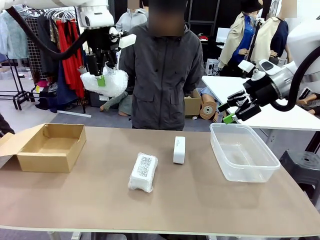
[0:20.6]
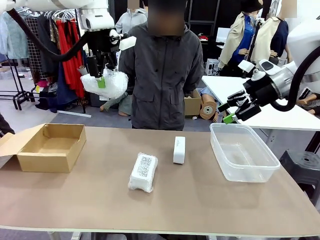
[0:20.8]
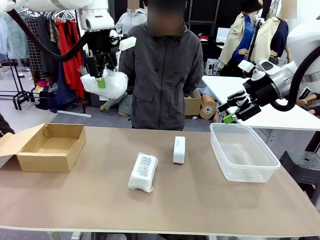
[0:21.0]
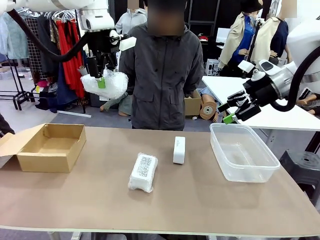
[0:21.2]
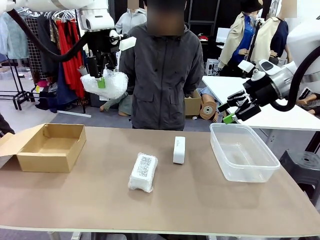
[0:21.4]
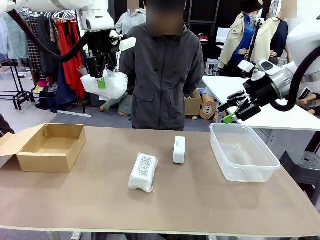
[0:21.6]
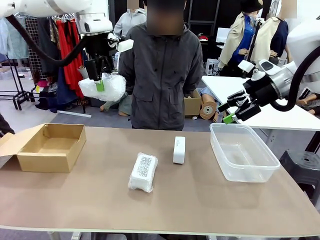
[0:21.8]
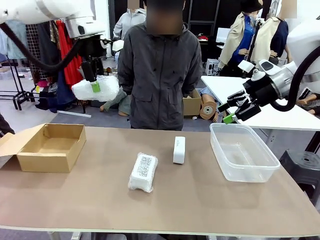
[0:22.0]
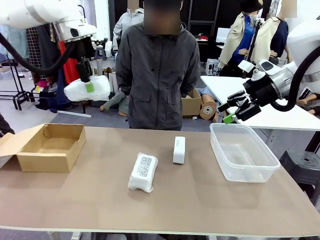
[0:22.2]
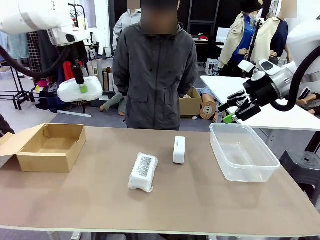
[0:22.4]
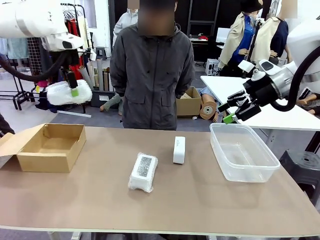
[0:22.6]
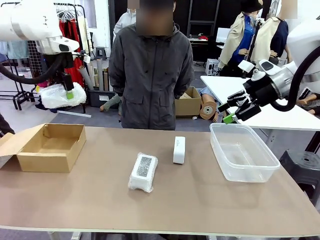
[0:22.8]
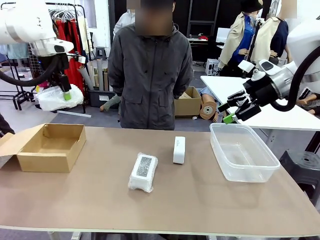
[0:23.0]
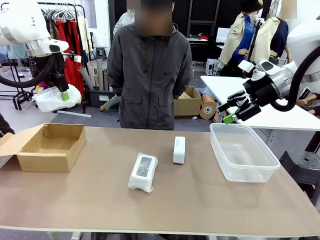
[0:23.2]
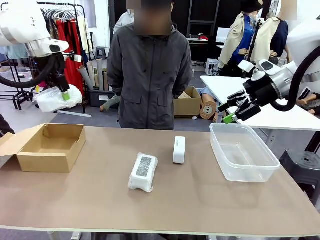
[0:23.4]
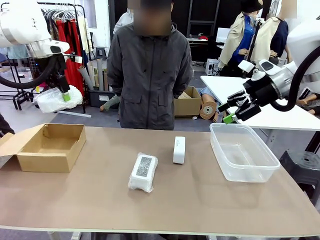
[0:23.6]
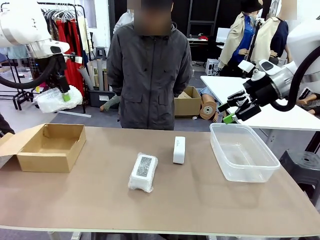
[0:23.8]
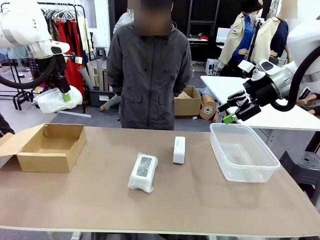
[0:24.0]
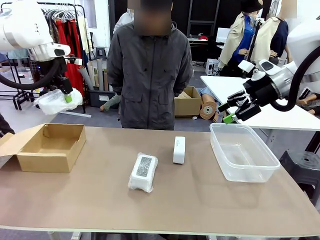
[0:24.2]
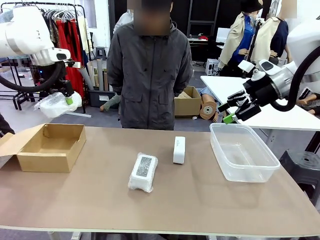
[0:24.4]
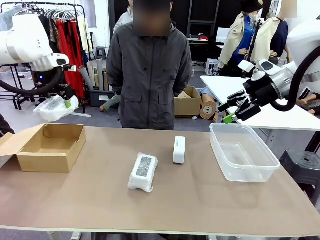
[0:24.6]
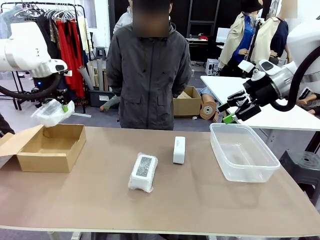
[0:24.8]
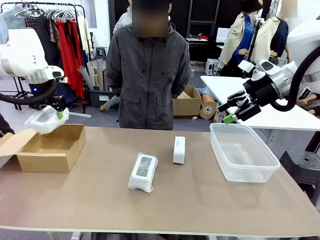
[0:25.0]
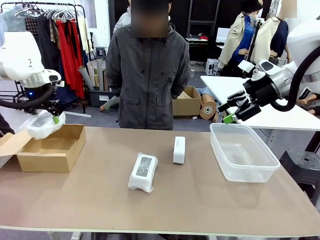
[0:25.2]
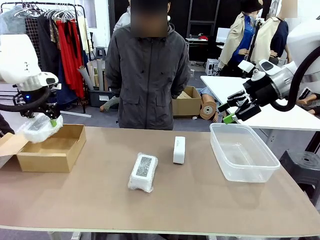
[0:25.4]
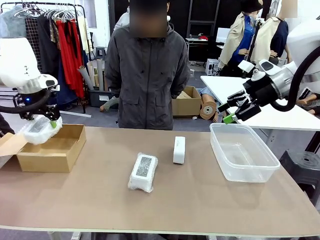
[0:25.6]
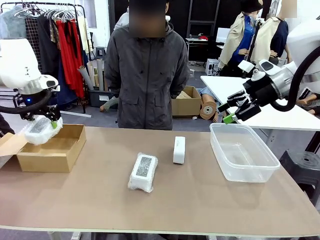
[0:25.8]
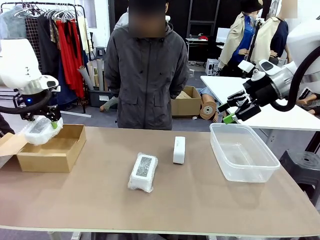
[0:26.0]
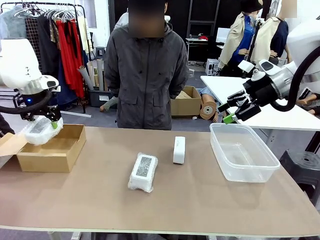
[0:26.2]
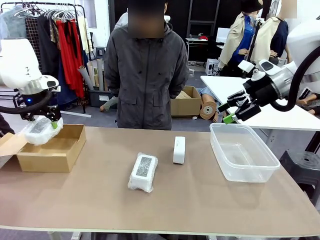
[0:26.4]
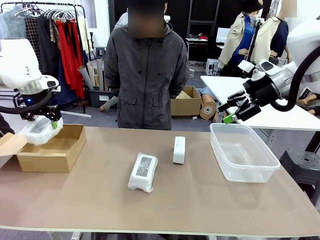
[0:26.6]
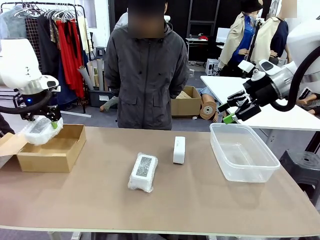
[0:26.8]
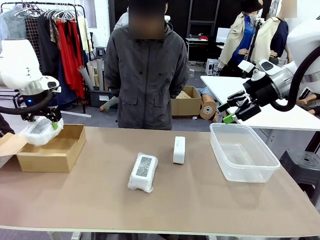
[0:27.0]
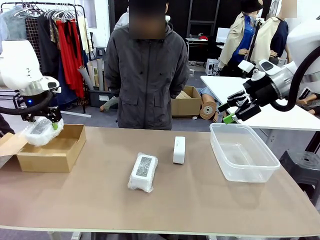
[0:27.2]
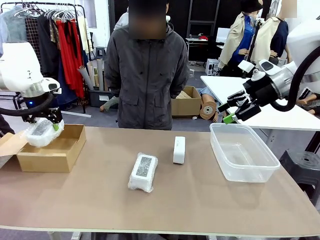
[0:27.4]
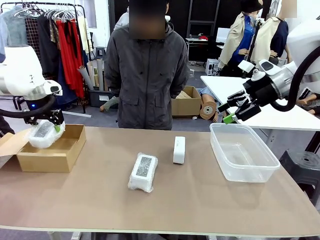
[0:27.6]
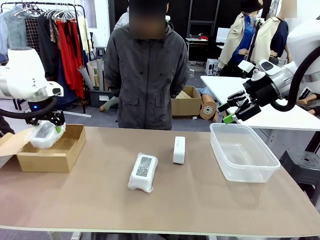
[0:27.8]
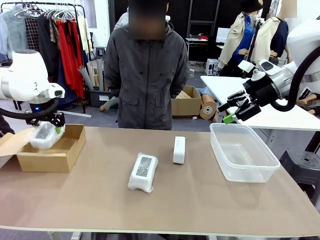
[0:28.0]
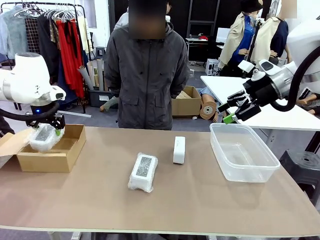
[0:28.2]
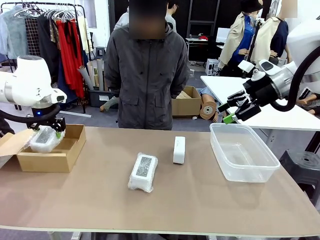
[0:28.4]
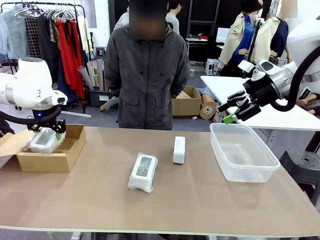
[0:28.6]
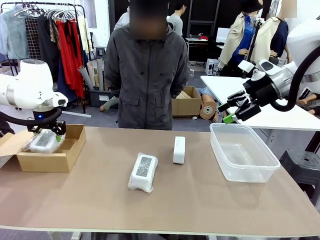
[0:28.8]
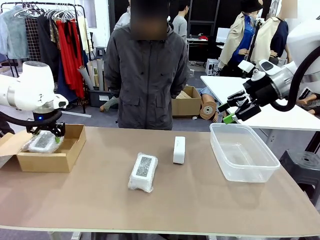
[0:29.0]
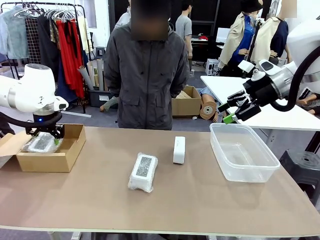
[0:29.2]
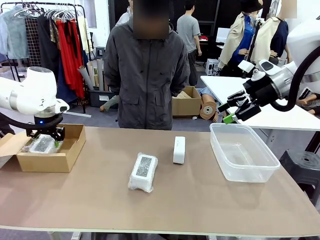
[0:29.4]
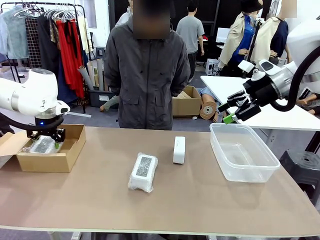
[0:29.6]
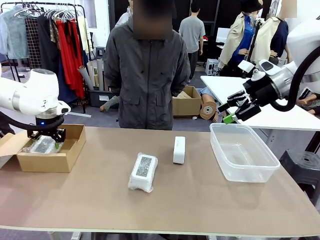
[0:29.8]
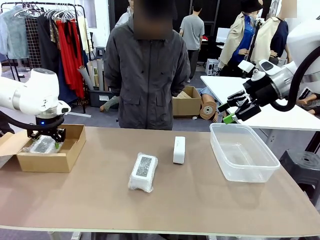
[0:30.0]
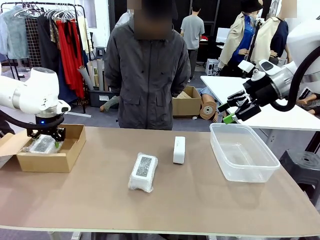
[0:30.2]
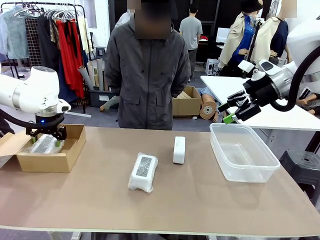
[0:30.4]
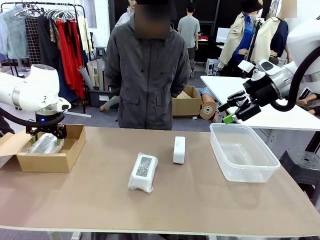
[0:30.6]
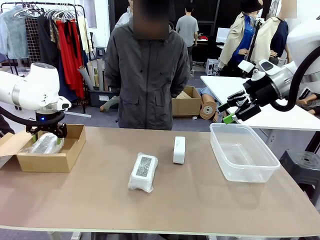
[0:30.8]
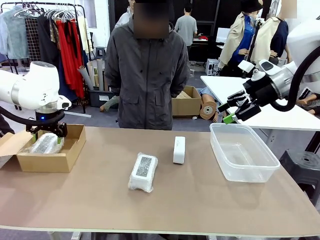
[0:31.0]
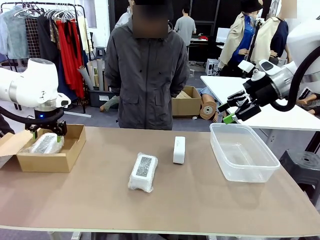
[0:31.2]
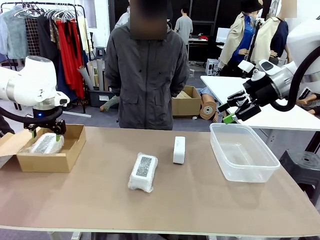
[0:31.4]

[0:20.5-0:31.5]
Task: Separate and place wrapped and unwrapped clocks.
Robot: If the picked Digital clock is wrapped, place it in the Package Box ; if not, place it in the Organizing box.

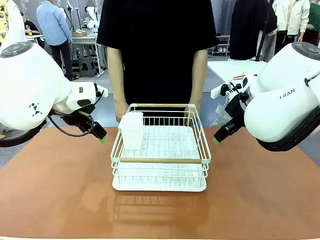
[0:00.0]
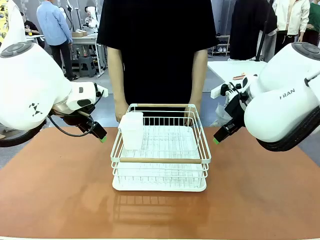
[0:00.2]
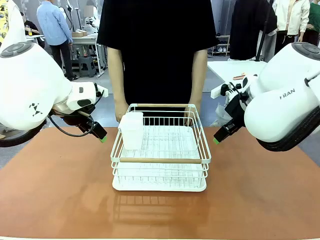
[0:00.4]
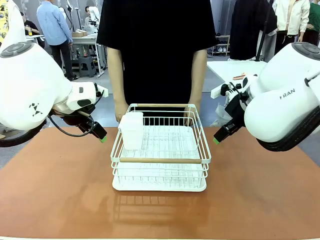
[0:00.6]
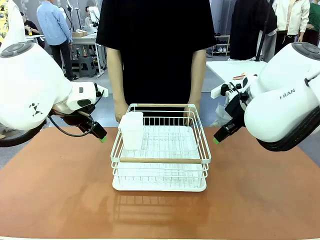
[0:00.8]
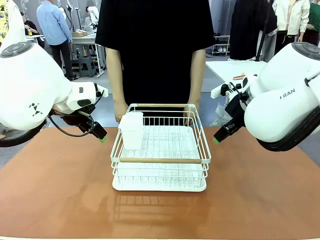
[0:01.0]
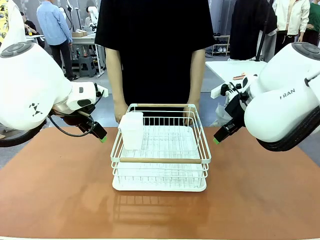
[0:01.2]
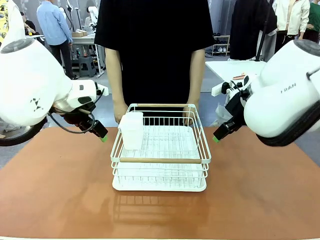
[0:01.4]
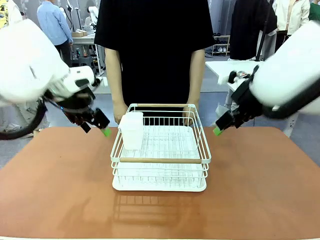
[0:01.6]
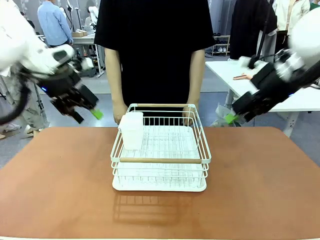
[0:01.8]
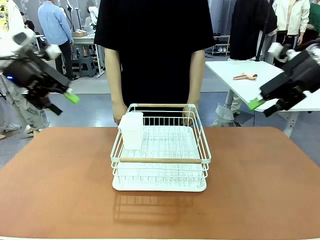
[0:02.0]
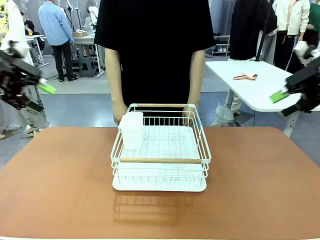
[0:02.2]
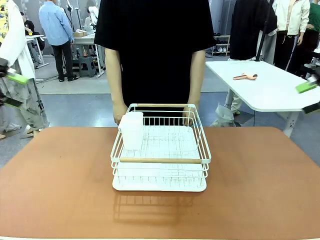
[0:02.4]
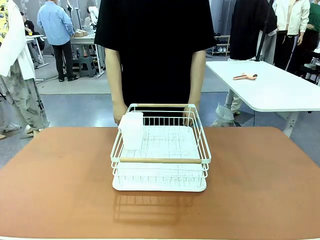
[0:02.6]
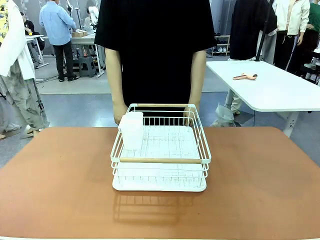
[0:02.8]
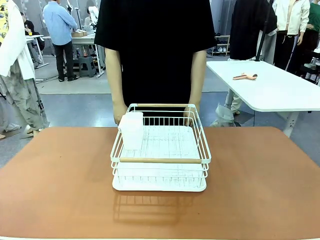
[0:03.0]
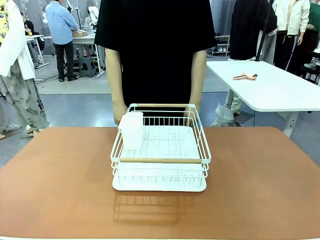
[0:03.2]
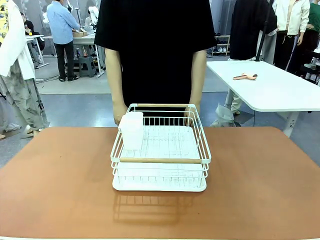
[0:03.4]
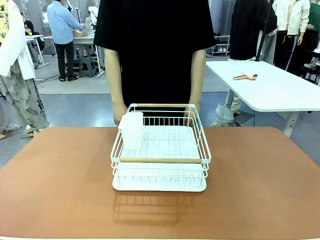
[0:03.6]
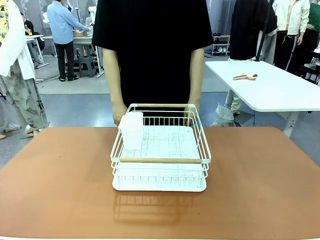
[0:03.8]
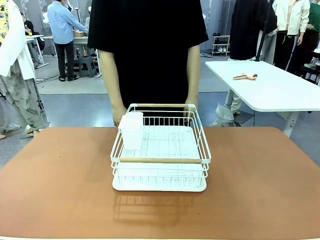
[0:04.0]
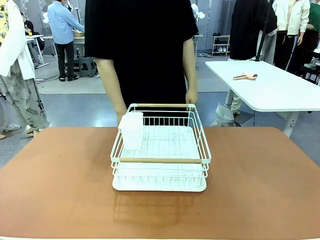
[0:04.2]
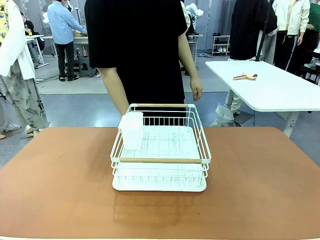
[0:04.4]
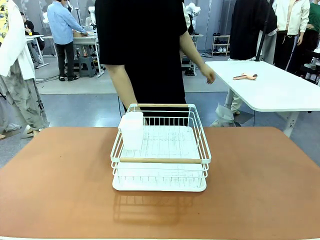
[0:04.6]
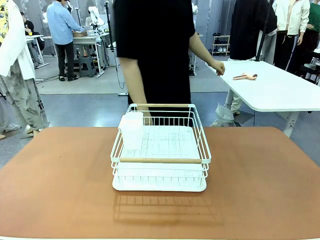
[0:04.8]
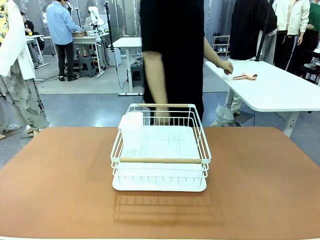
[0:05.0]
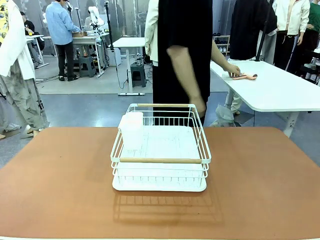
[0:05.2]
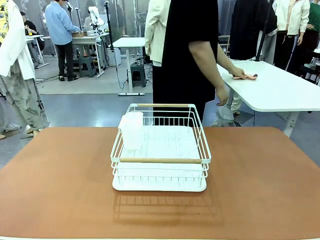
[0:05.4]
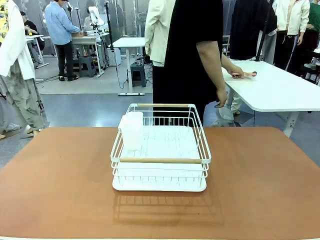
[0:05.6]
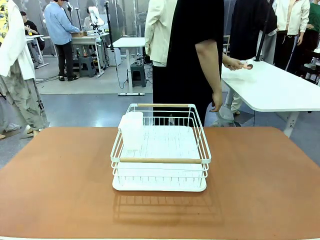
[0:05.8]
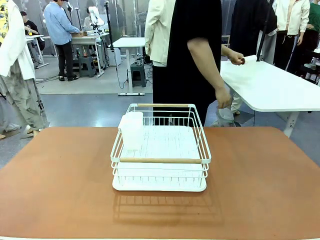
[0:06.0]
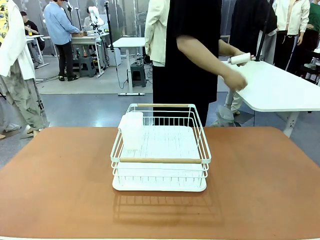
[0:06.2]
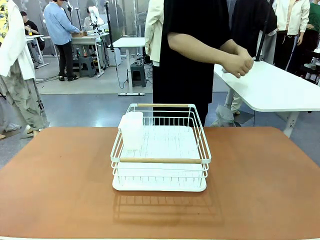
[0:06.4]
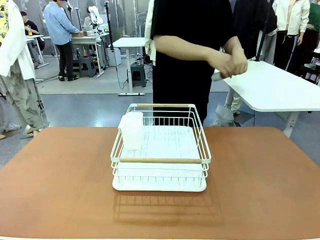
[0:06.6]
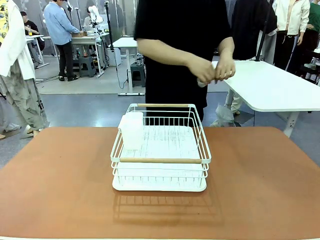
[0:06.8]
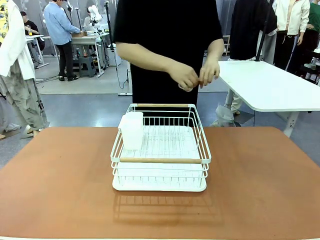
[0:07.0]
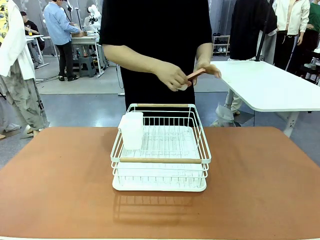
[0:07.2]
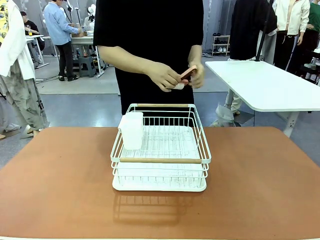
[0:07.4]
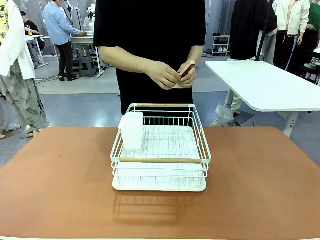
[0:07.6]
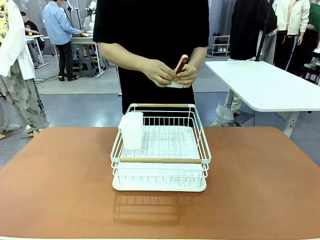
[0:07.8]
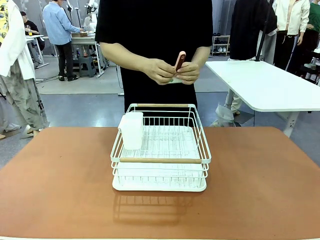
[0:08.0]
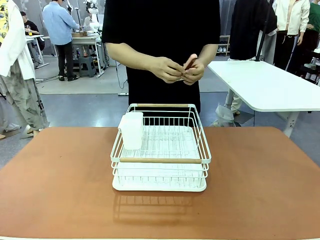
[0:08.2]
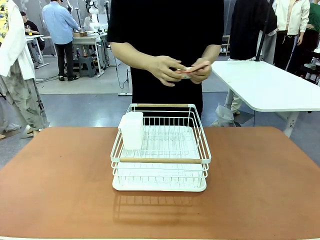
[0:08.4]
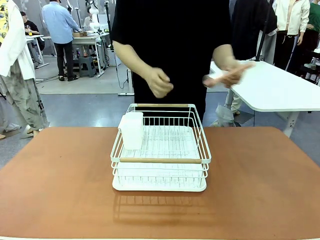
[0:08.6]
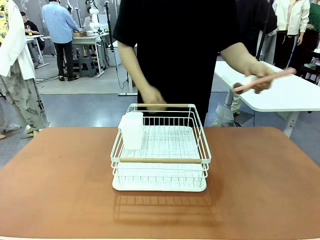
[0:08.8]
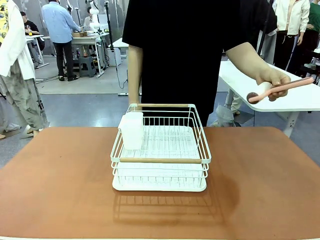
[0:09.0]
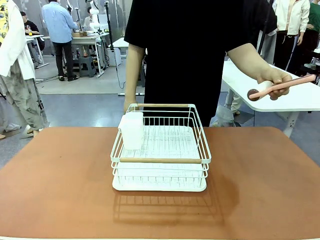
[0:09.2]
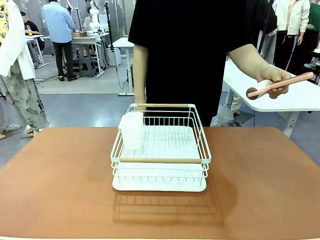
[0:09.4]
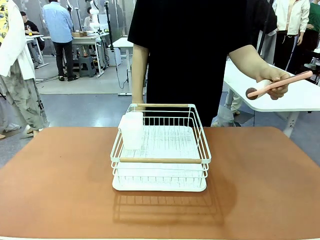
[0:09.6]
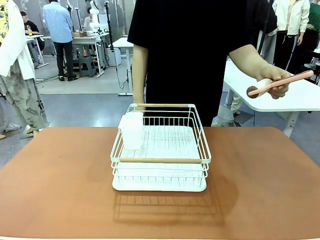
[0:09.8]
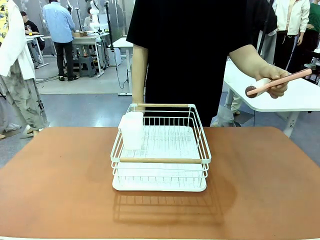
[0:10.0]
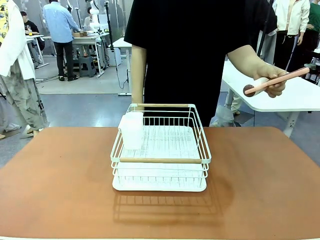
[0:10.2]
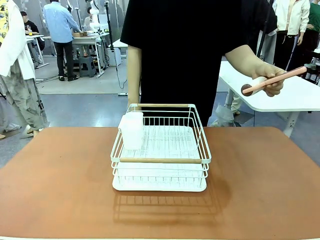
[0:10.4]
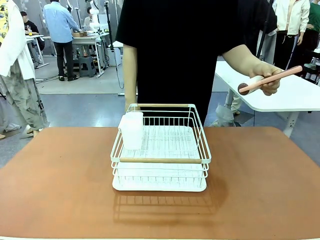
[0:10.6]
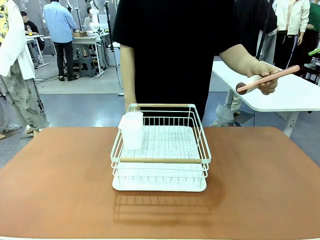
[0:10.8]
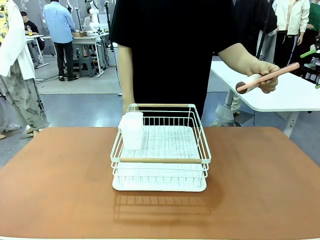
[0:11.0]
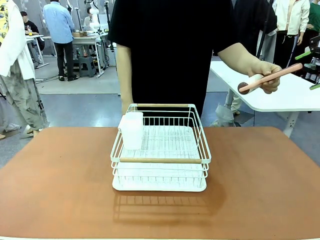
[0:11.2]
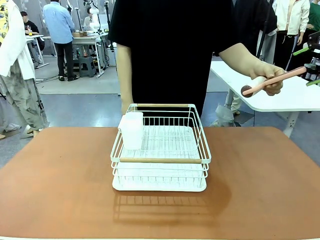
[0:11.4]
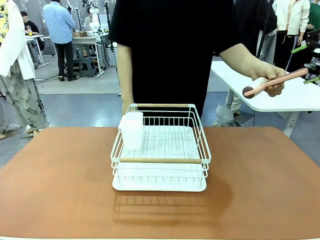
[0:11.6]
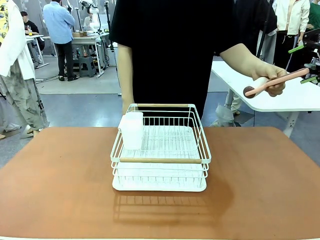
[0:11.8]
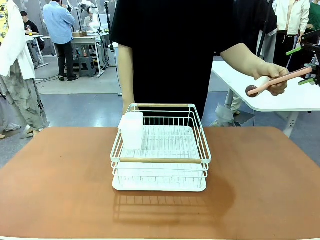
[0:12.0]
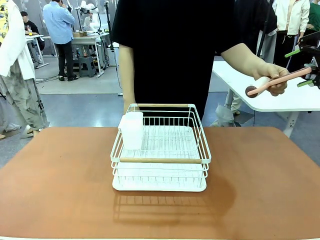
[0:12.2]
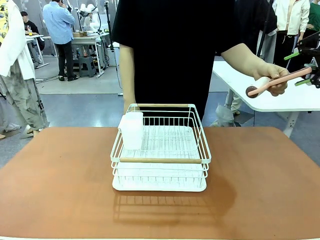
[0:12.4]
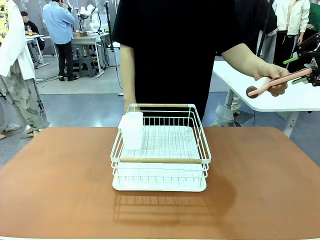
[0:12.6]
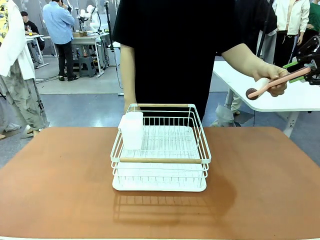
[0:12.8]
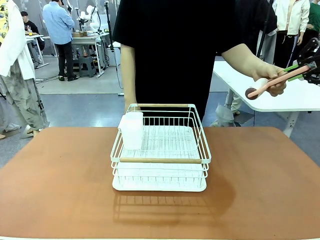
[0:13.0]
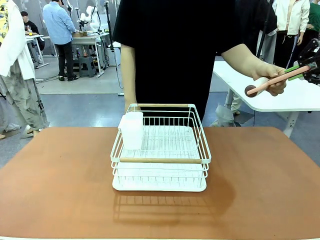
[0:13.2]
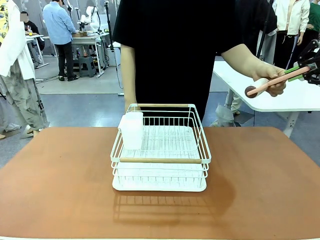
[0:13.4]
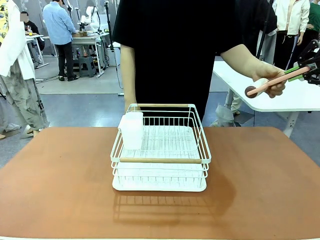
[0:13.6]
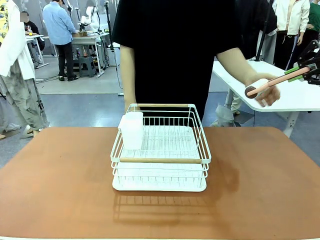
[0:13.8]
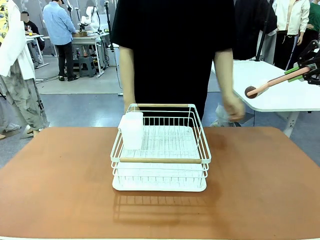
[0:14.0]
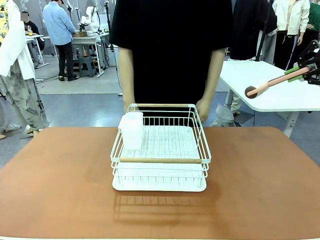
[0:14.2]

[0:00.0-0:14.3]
Task: Clean the table.
Robot: Pick up the Lint Roller when the human hands it over.
Person: Hand the Lint Roller to the robot so it can easily pick it up. Lift the Dish drying rack.
